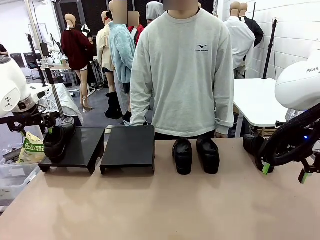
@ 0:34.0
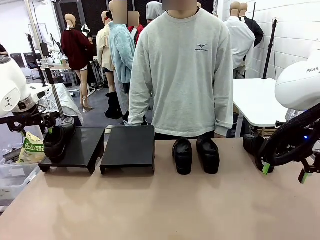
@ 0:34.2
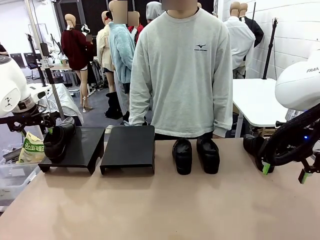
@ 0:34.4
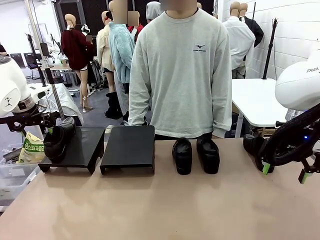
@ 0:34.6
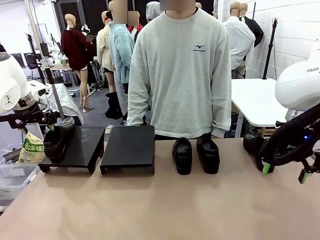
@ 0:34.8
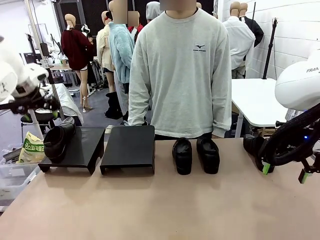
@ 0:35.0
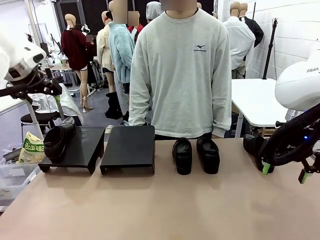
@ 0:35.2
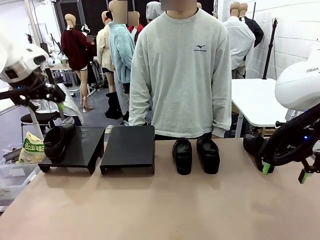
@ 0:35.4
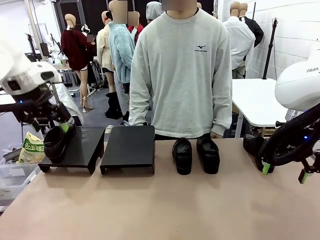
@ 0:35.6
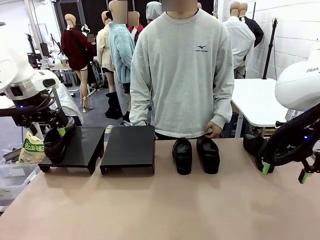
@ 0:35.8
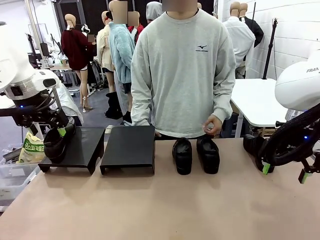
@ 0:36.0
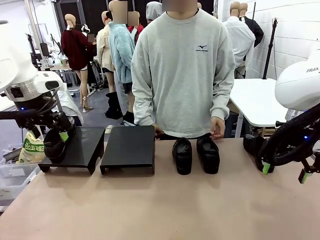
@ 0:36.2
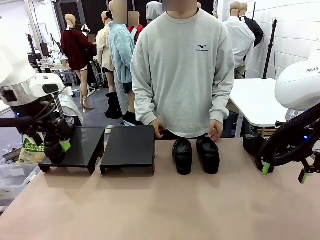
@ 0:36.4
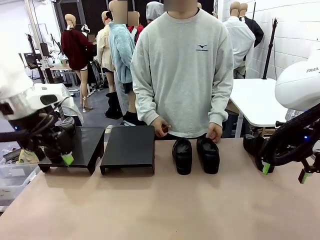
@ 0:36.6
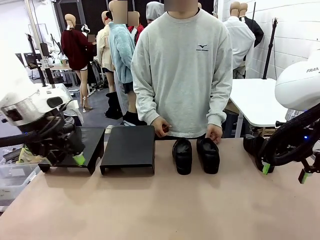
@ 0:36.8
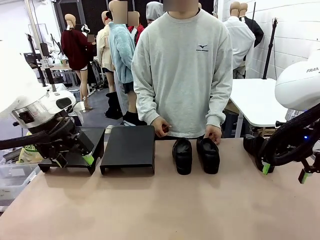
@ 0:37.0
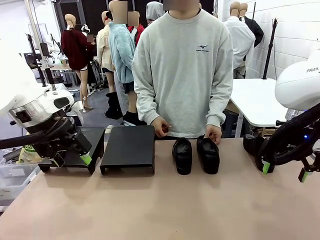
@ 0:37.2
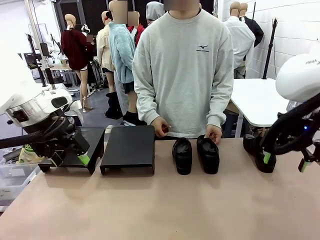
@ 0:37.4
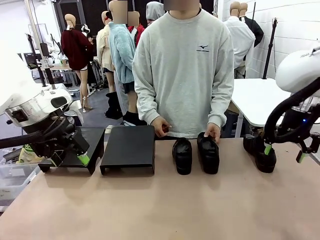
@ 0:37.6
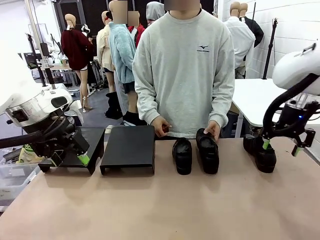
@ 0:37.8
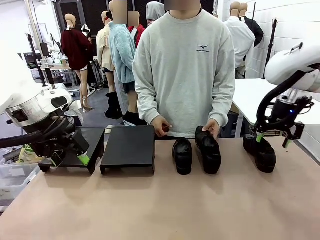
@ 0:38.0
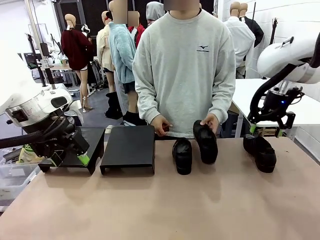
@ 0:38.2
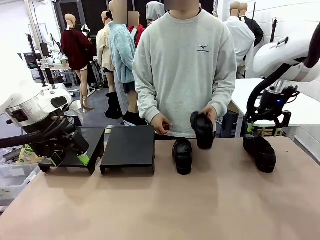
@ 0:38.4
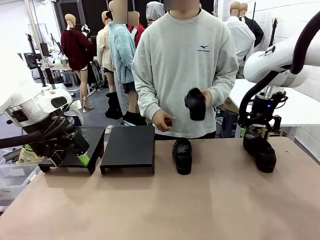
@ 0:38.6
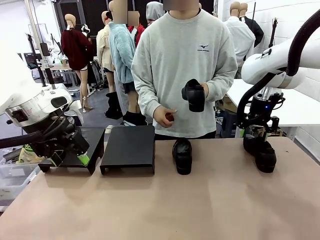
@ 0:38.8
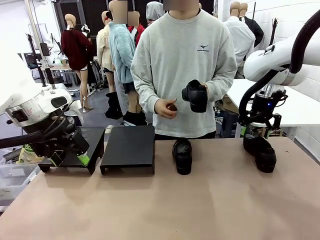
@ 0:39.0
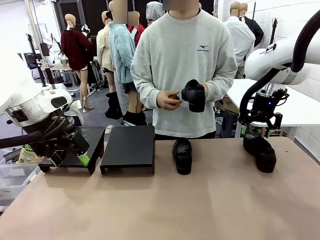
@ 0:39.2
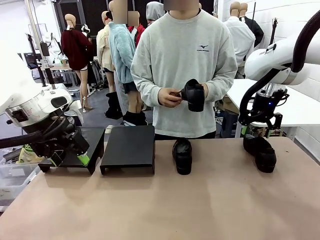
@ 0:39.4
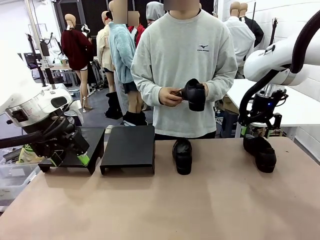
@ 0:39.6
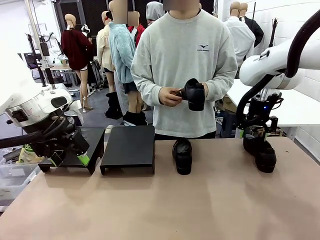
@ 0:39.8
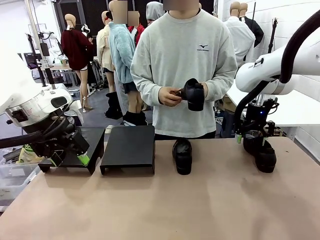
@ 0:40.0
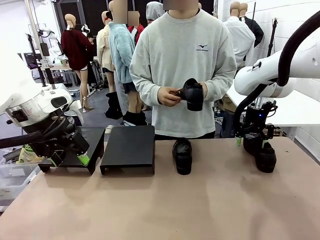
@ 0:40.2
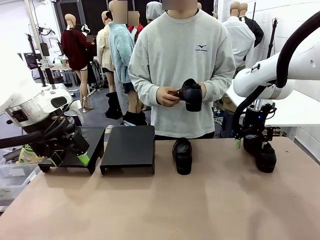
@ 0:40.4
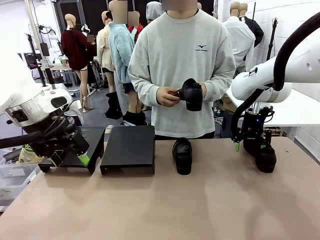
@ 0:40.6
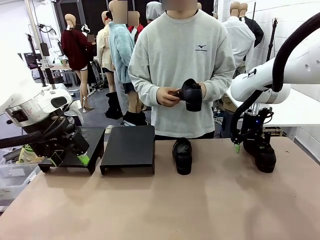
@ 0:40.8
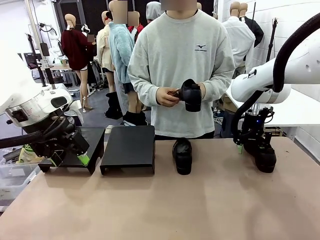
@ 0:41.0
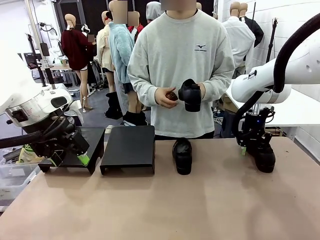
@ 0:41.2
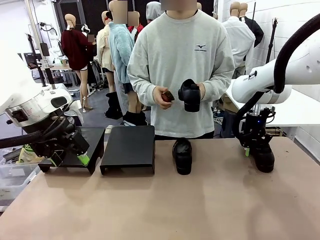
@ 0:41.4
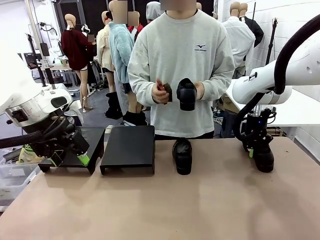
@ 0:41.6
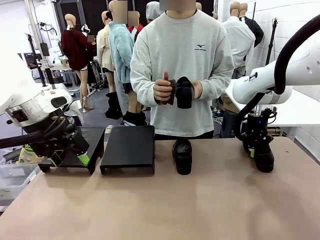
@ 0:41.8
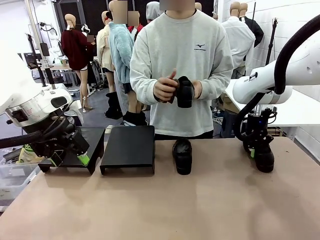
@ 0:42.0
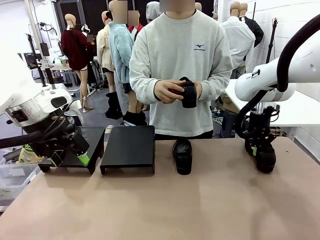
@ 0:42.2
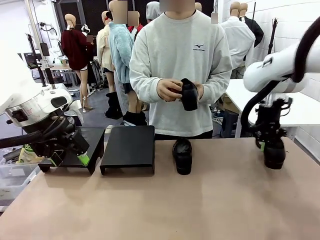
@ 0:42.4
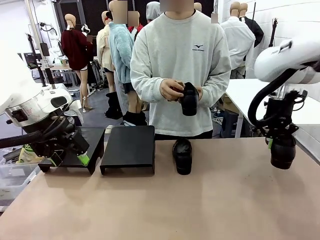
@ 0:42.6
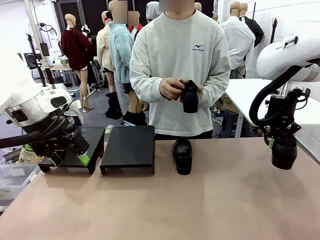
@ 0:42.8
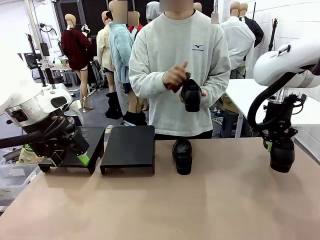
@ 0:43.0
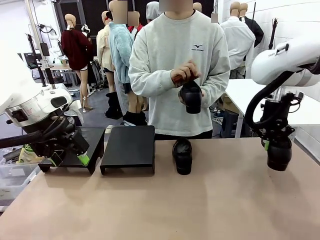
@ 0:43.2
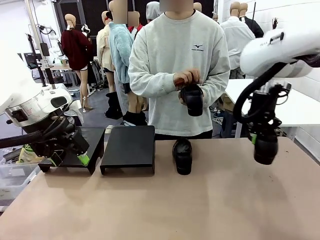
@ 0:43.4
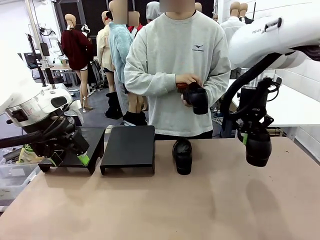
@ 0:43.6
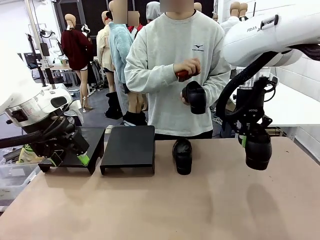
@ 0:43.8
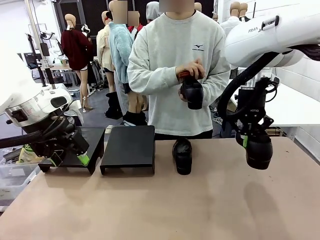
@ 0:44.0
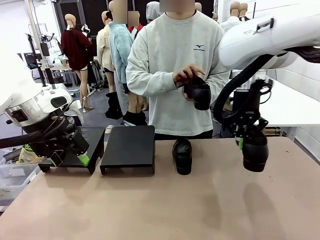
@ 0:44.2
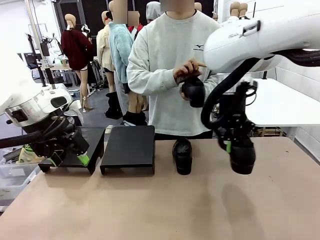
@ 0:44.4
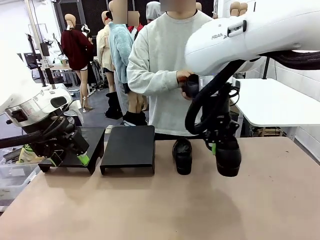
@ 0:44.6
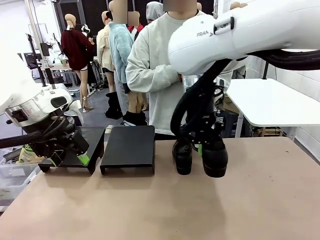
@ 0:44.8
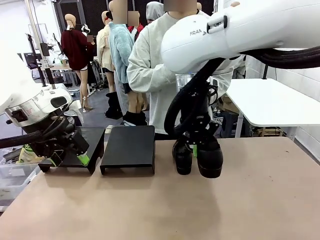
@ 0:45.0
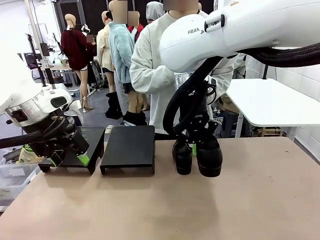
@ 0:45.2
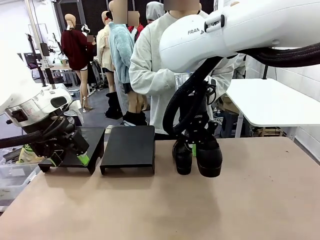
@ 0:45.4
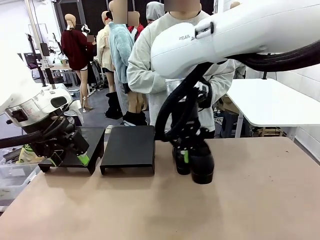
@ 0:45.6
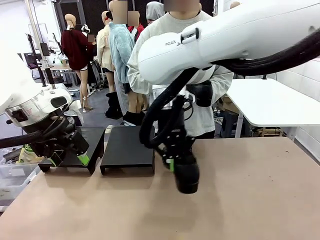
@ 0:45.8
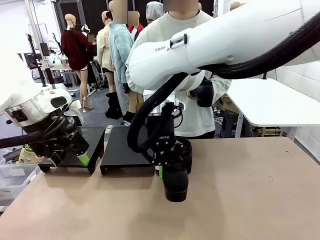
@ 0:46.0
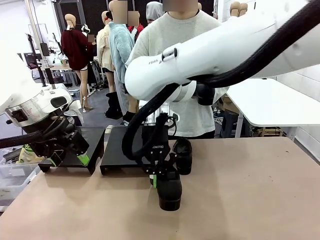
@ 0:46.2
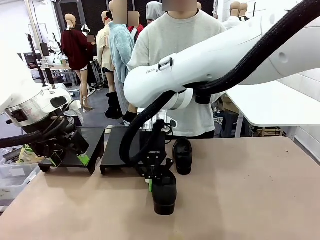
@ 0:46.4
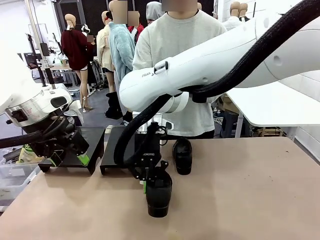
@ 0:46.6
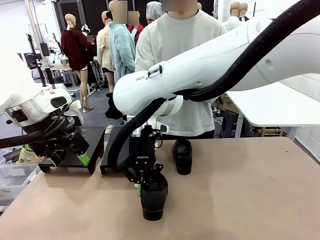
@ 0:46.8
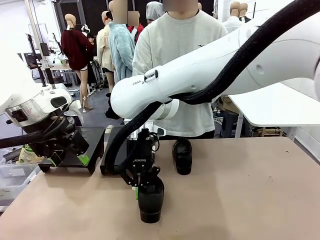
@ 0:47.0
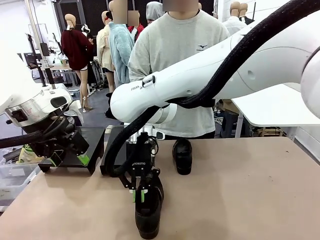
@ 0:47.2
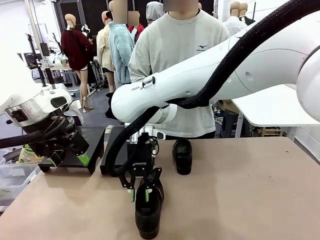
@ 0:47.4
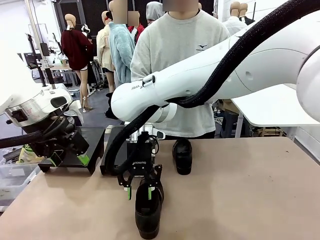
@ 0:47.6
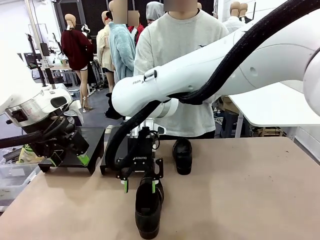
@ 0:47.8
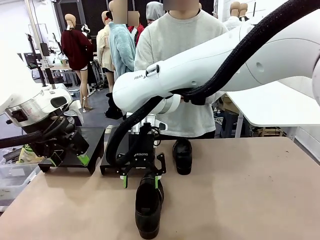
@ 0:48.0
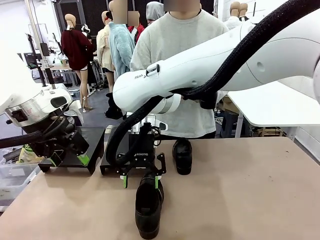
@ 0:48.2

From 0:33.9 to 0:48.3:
Task: Organize the shoes by placing them on the stand.
Robot: Pick up one Shoe and place it in the middle of the table.
Person: Pick one Shoe on Robot's table.

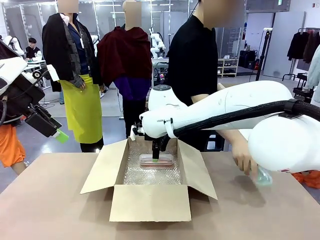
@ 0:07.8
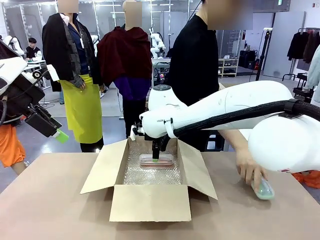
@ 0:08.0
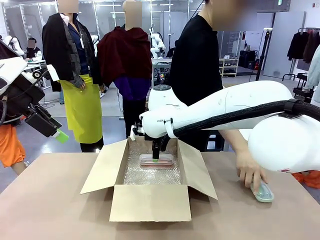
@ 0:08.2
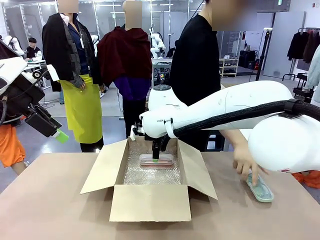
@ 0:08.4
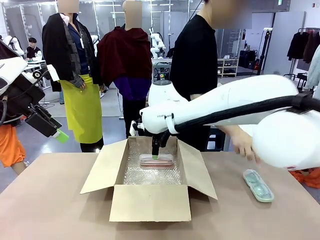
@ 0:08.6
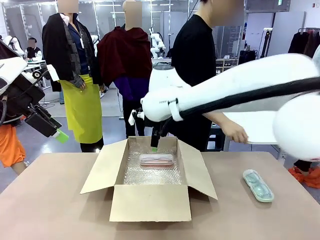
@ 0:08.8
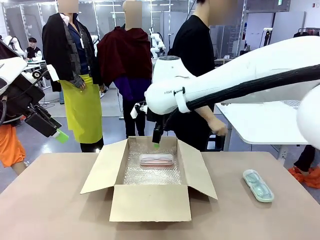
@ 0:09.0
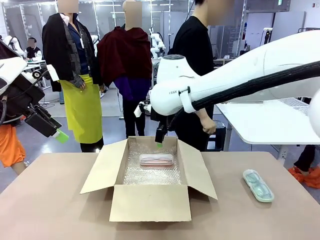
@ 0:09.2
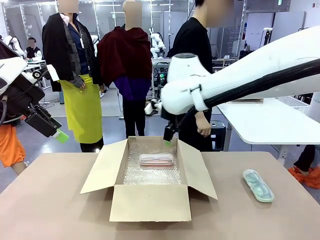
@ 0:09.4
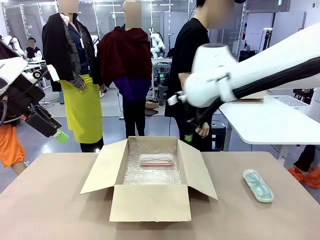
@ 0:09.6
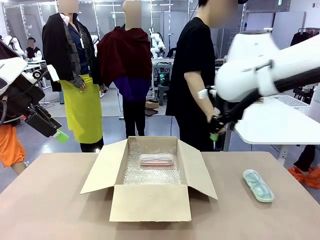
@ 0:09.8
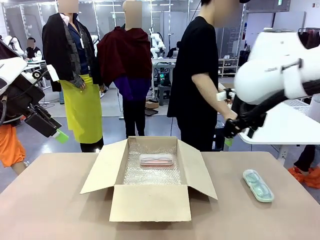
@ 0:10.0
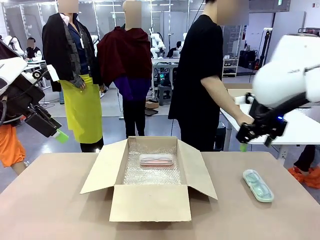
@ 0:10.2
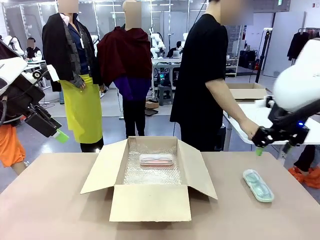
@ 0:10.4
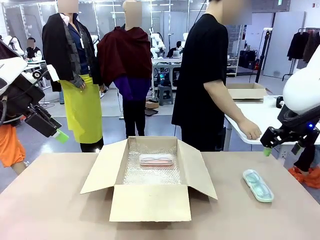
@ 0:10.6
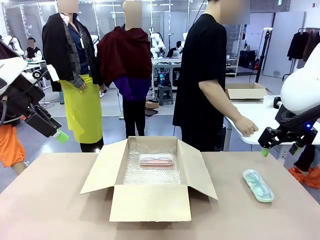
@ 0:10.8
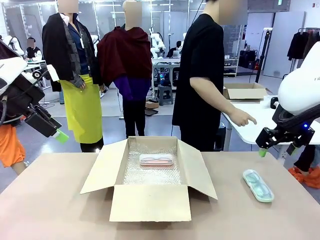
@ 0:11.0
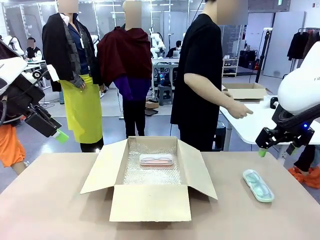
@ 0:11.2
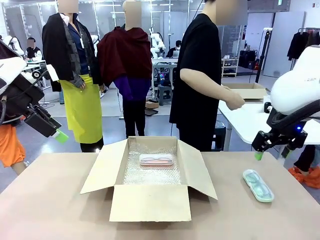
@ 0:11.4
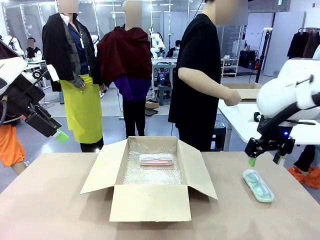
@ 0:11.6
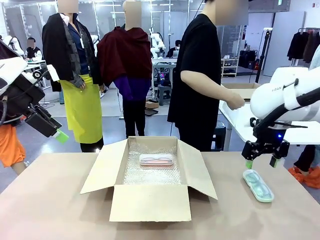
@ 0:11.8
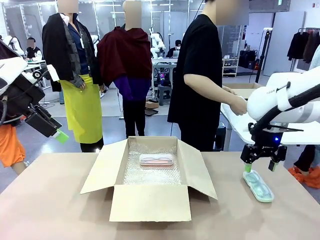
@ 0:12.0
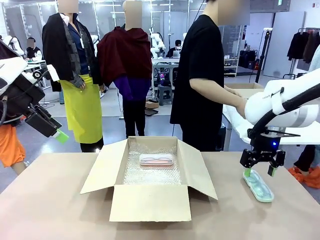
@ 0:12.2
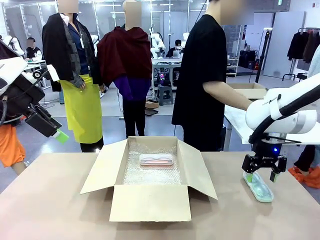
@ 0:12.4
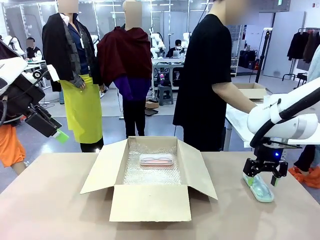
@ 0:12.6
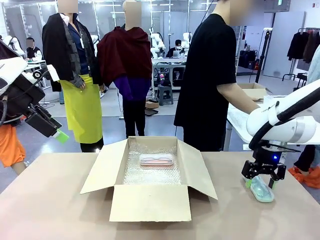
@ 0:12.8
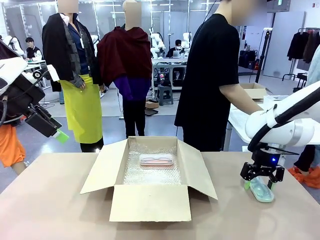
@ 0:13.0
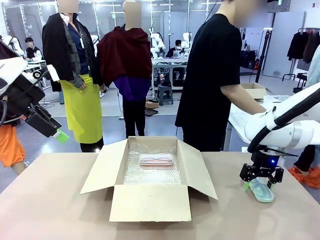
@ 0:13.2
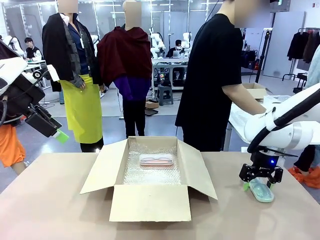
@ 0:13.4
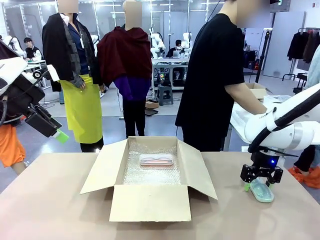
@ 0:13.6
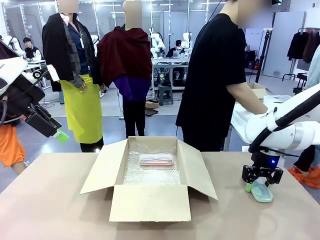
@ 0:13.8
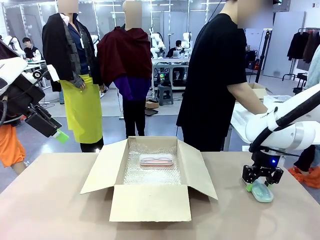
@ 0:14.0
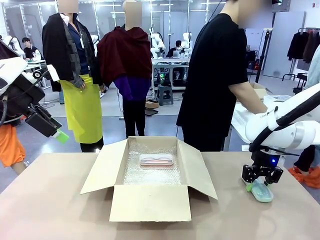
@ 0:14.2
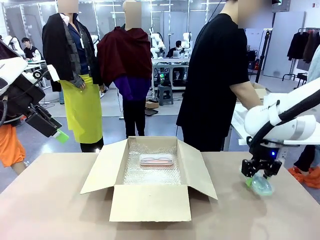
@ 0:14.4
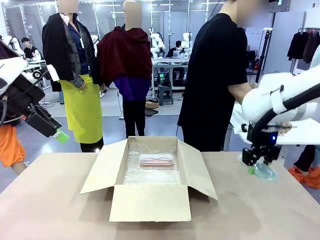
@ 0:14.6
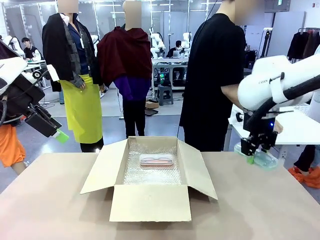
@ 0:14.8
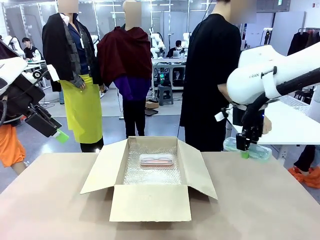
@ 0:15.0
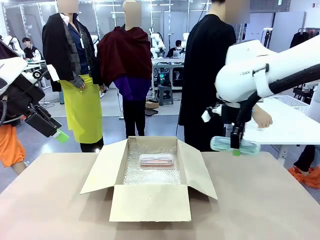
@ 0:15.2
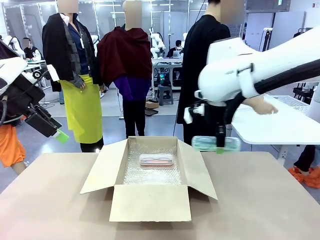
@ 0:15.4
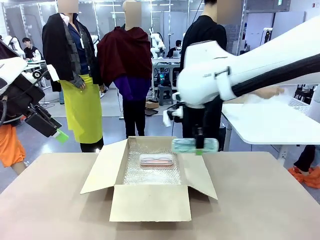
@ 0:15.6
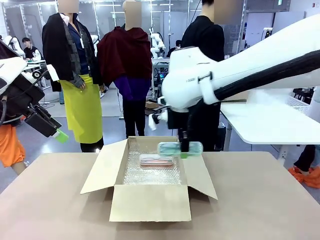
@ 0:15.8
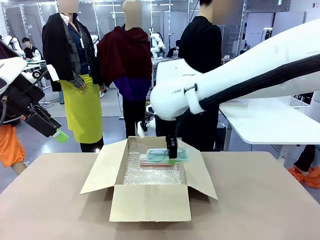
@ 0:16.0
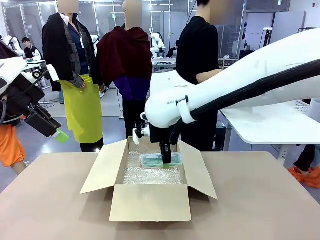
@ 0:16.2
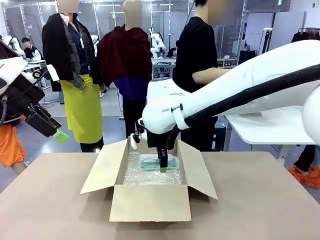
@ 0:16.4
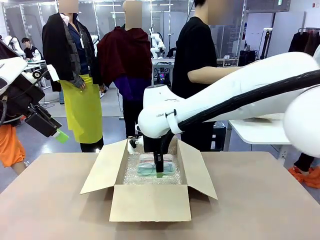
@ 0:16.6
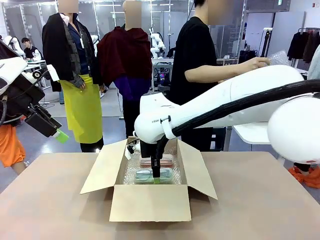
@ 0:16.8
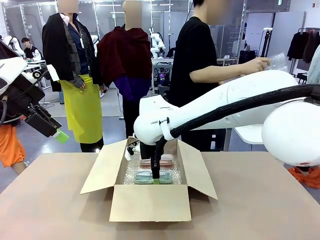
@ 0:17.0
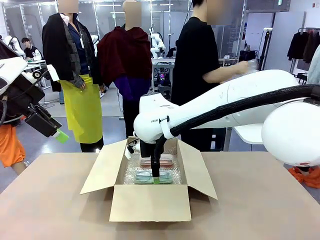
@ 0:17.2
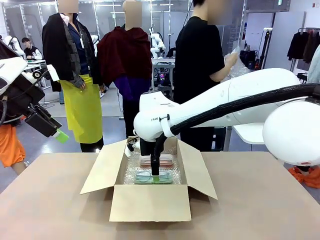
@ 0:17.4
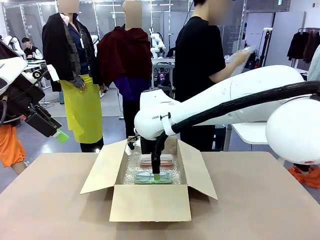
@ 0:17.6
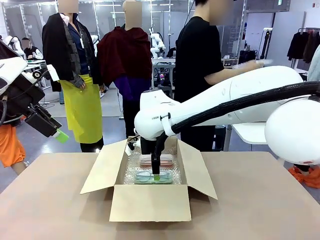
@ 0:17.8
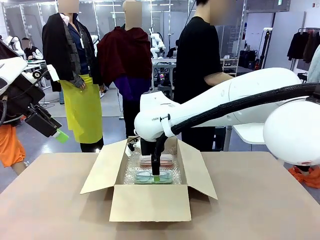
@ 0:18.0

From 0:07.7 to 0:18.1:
Task: Pack the glasses set securely to prepare it for shipping.
Robot: Put the Glasses case from the right side of the table into the Package Box.
